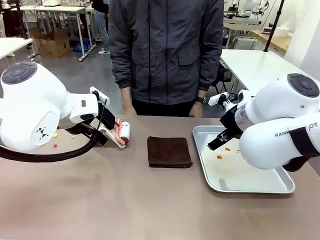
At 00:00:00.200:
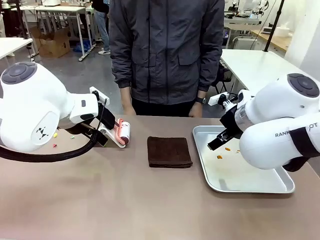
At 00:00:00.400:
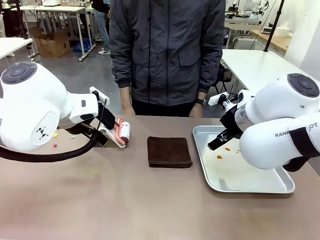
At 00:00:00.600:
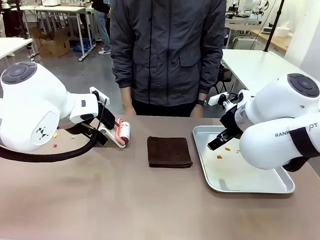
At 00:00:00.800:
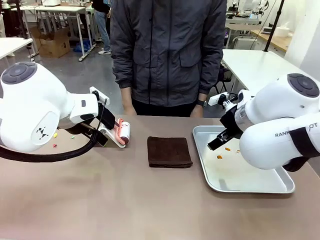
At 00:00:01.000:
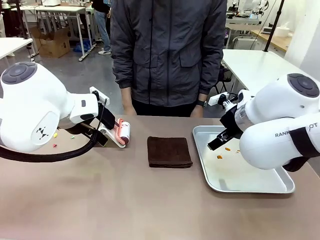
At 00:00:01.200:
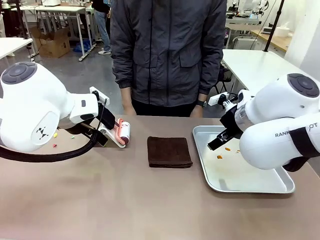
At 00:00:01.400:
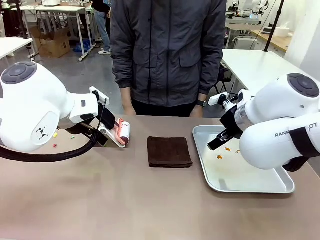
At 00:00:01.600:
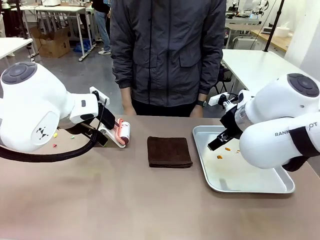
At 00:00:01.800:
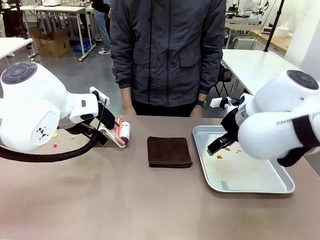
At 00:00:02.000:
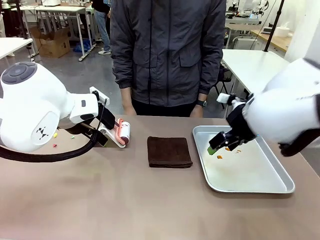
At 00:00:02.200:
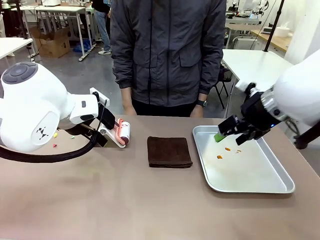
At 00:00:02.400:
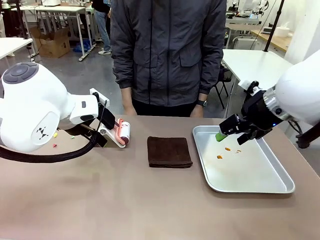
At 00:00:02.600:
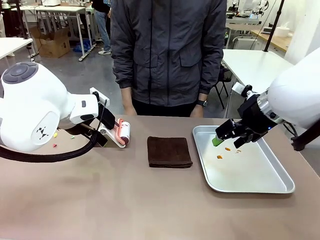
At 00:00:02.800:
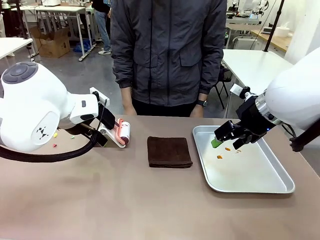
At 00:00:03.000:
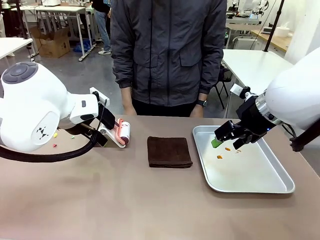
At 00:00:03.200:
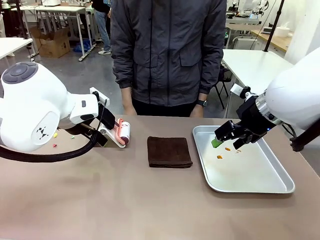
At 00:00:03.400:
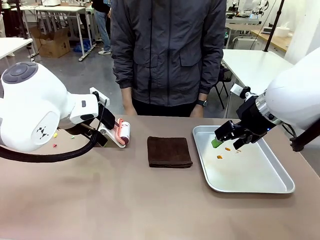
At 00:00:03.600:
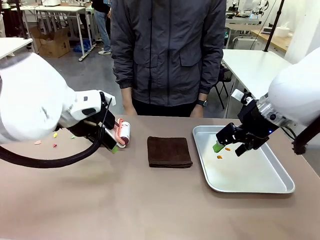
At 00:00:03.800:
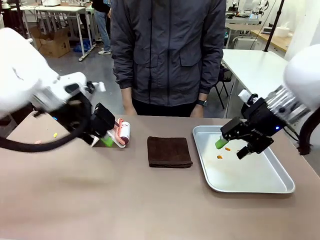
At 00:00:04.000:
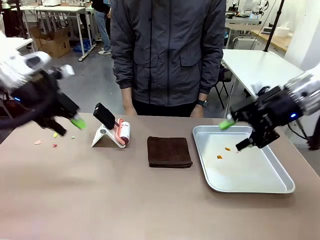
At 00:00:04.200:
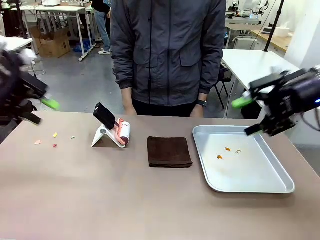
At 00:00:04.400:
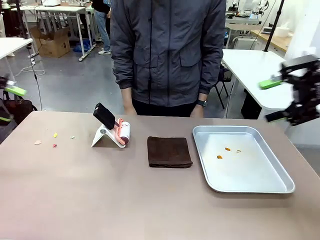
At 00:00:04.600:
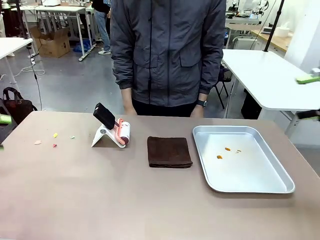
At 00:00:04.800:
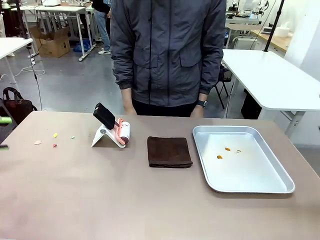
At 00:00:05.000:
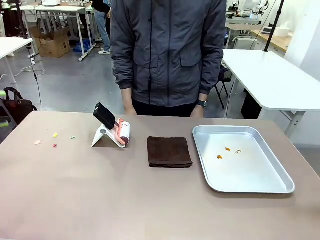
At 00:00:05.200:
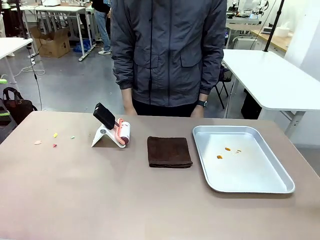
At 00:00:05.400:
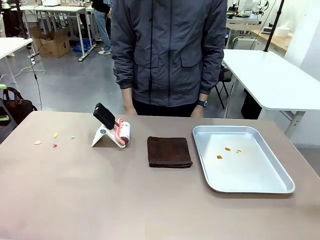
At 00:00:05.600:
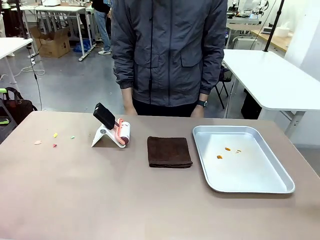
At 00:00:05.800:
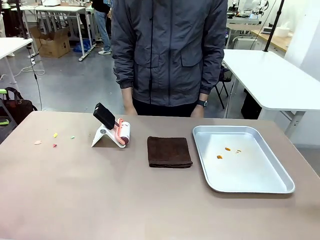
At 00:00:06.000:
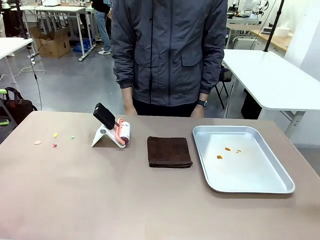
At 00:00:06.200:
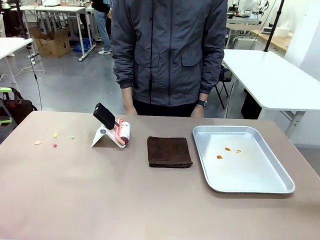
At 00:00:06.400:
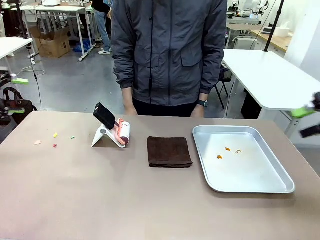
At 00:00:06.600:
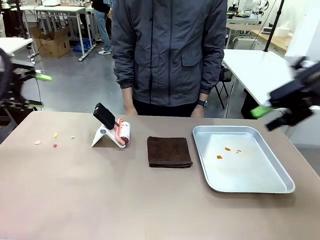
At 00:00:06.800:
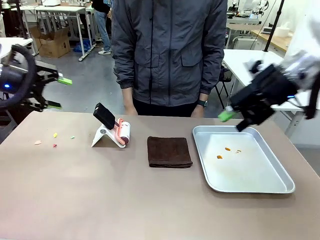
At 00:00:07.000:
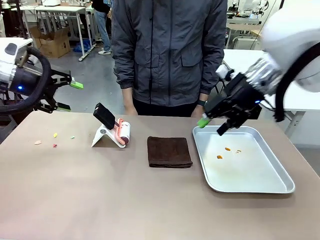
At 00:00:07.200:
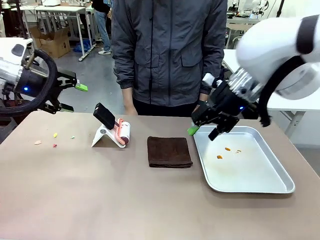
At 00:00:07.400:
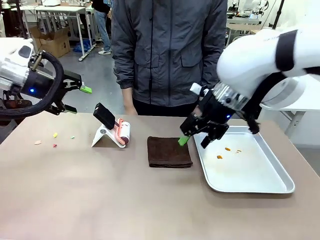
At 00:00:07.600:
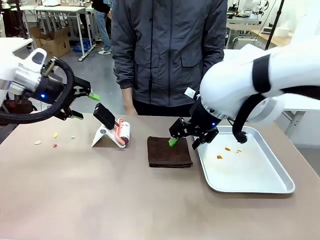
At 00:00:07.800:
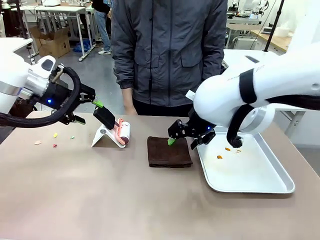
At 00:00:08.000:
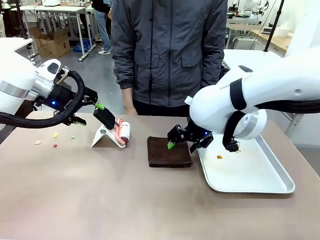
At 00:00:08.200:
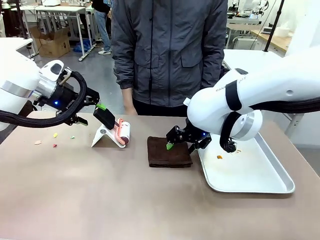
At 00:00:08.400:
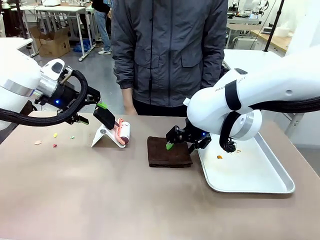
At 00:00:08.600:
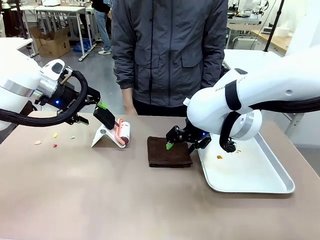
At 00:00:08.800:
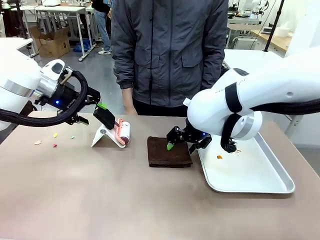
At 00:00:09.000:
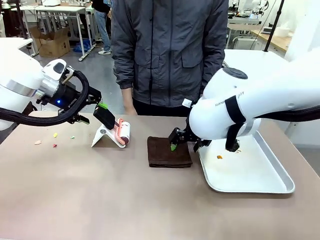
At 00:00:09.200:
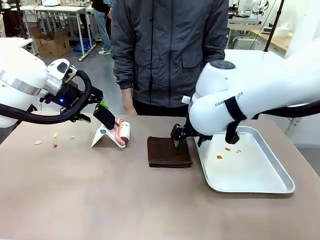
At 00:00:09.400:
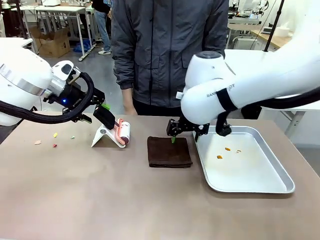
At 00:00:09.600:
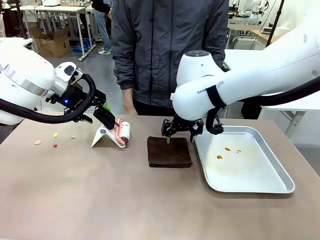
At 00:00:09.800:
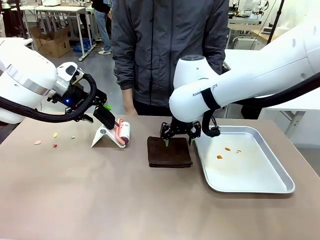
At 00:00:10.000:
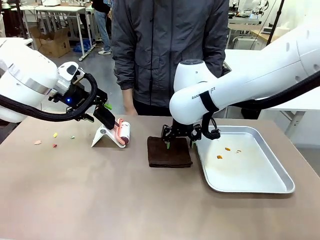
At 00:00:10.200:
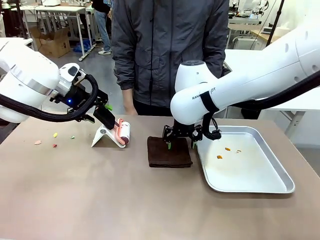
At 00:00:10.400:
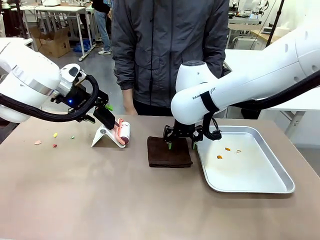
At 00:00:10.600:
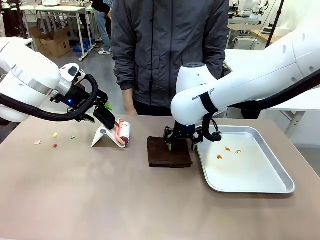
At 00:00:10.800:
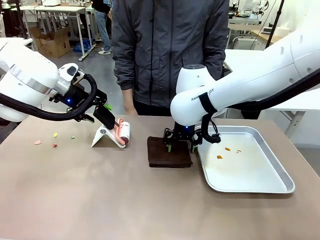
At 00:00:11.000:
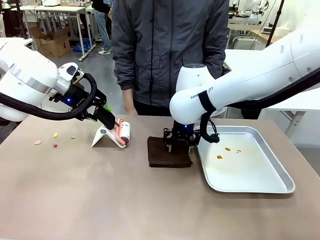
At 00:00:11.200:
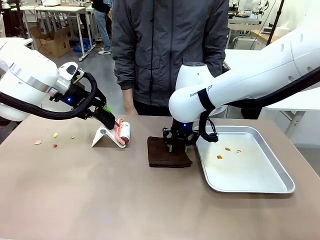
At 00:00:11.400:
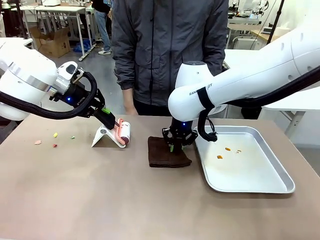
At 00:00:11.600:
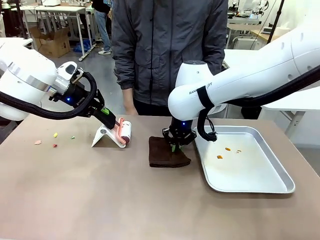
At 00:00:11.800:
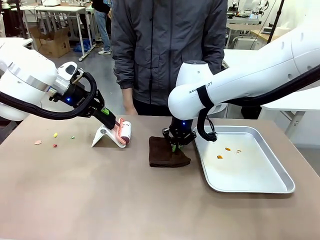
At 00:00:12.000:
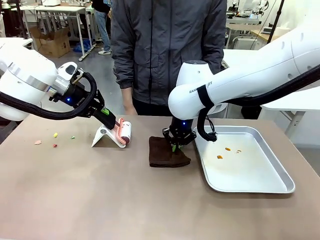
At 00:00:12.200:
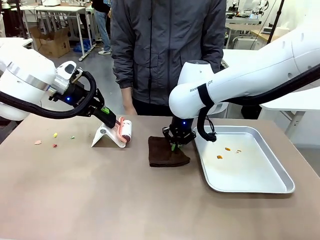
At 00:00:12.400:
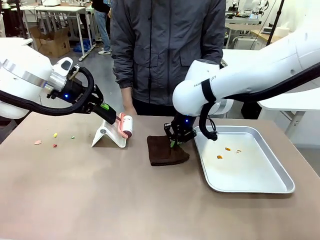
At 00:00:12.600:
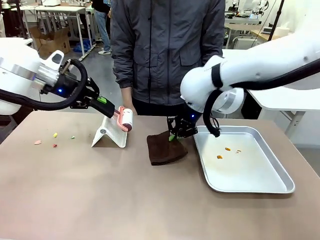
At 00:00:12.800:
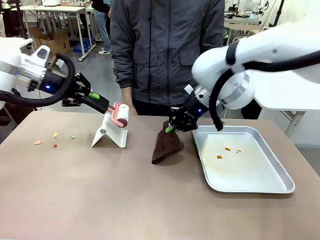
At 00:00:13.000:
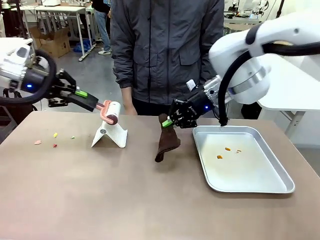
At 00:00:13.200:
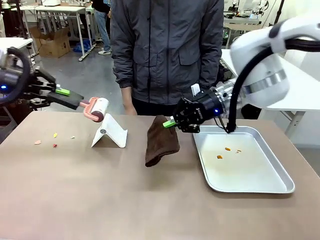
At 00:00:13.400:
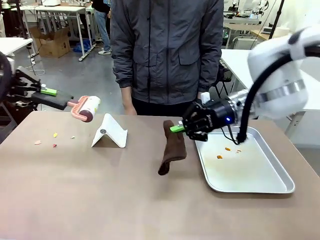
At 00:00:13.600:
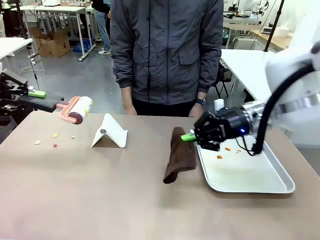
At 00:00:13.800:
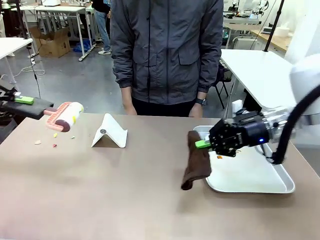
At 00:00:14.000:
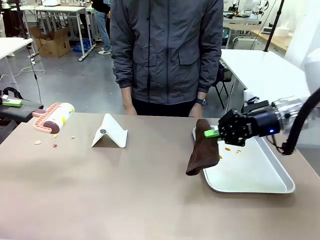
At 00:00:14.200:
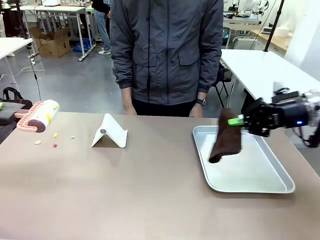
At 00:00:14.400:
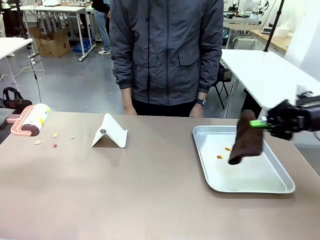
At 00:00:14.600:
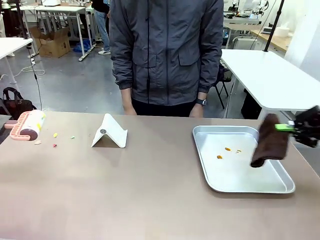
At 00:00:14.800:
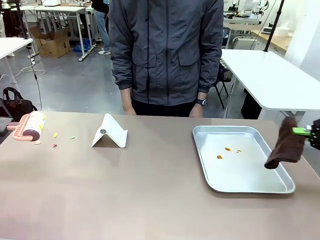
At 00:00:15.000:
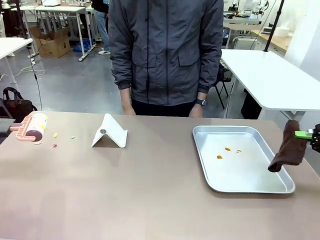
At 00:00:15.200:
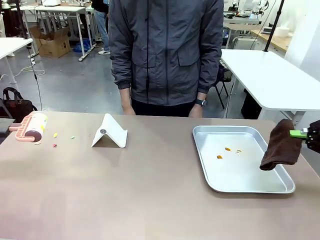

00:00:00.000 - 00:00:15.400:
Task: Clean the surface of the table.
Robot: Hold the Lint Roller with your left hand and the towel with your right hand.
